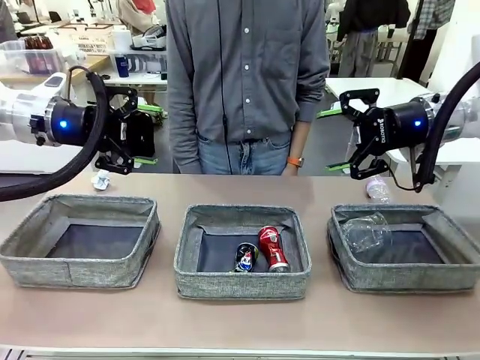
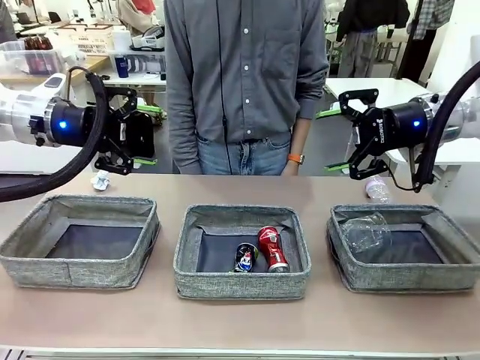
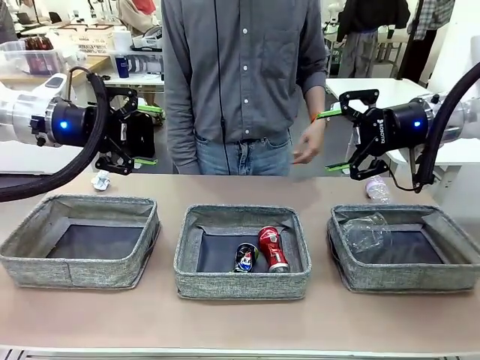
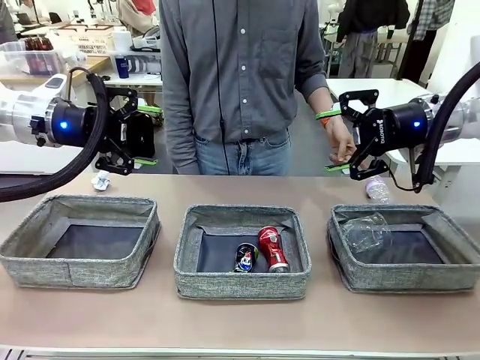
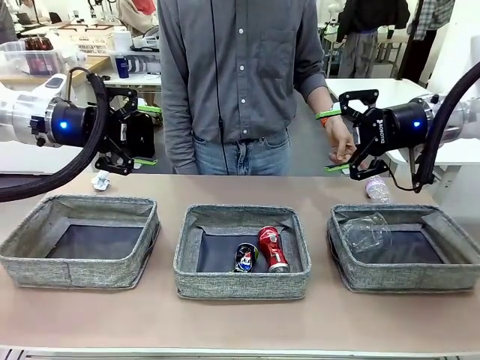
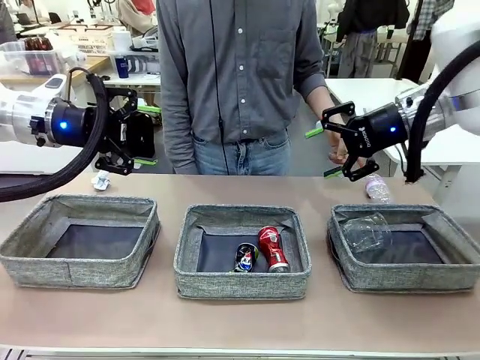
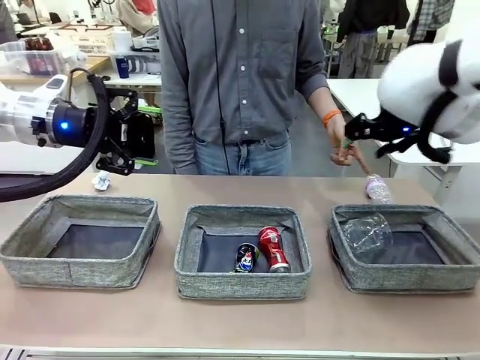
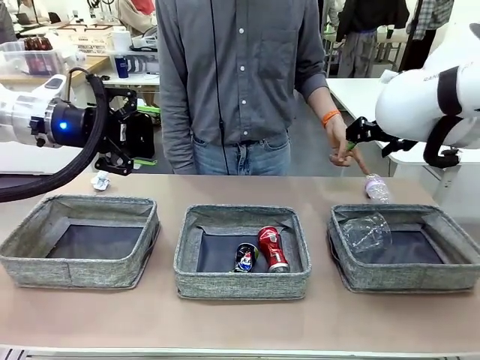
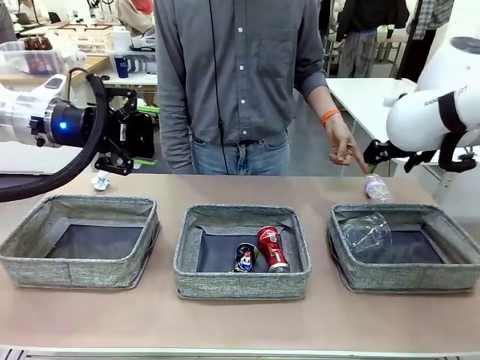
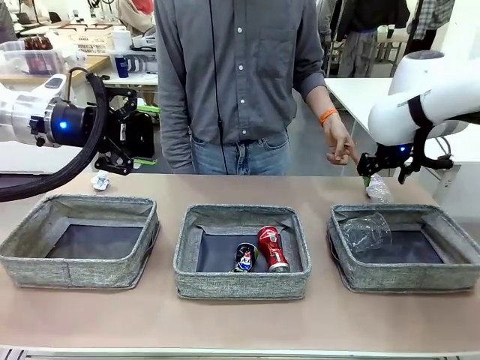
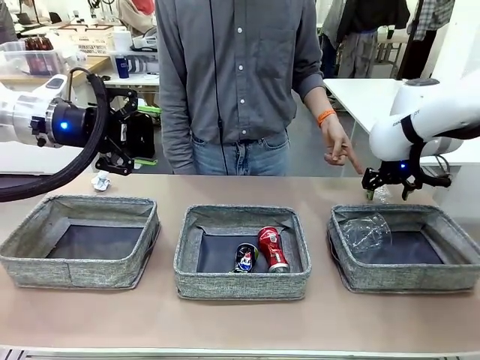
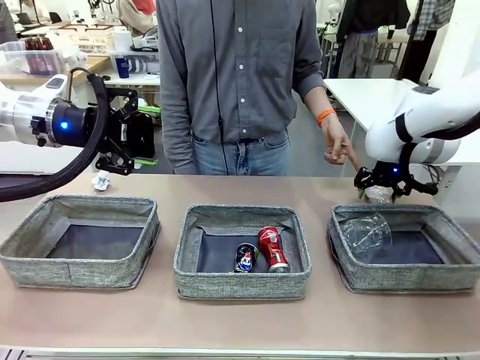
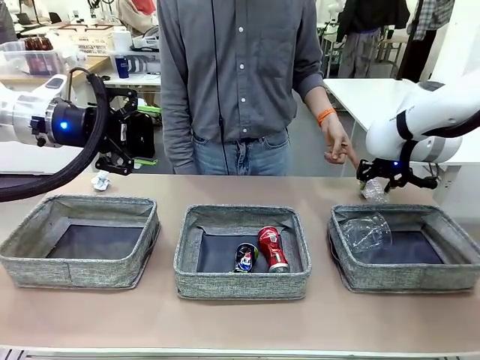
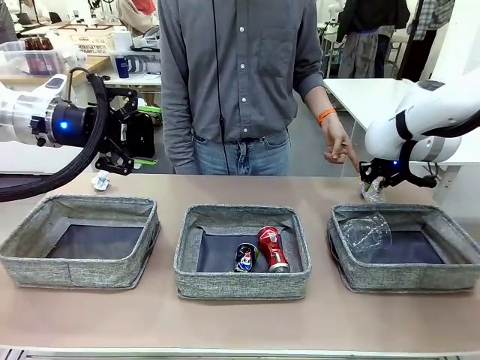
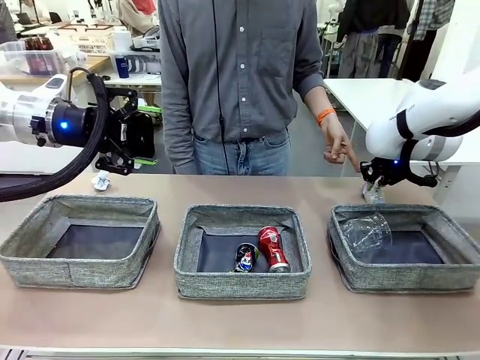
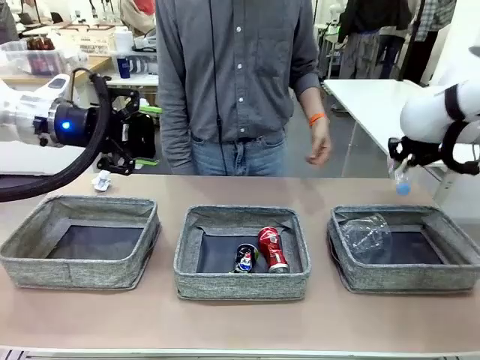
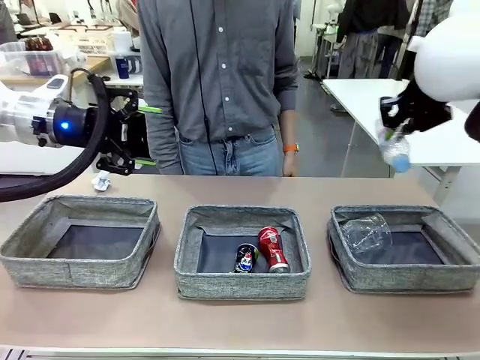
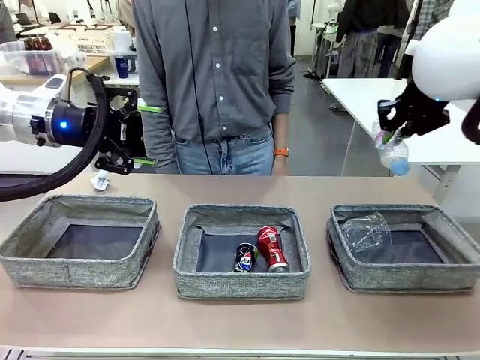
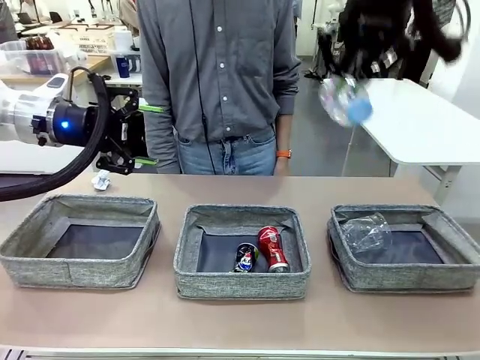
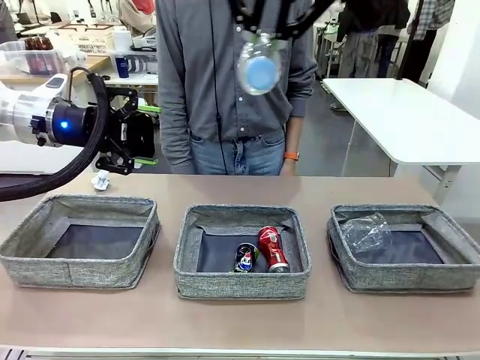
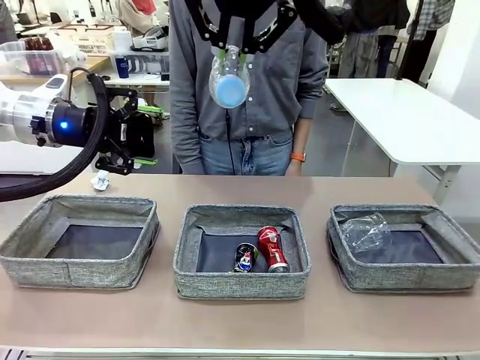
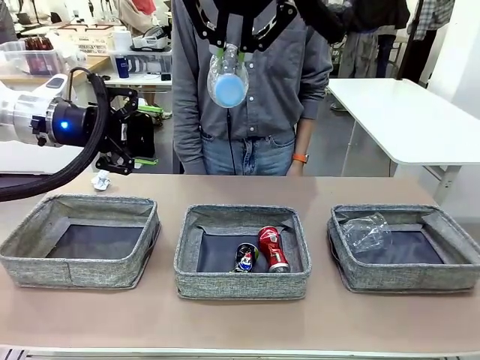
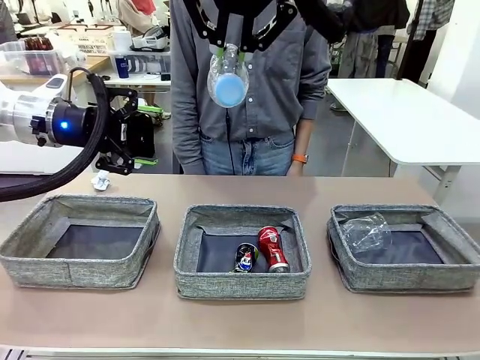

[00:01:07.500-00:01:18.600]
Task: Sort the waste into the appropriate baskets.
Robot: Pick up the waste item pointed out by the person.
Person: Points to one piece of trash on the table.

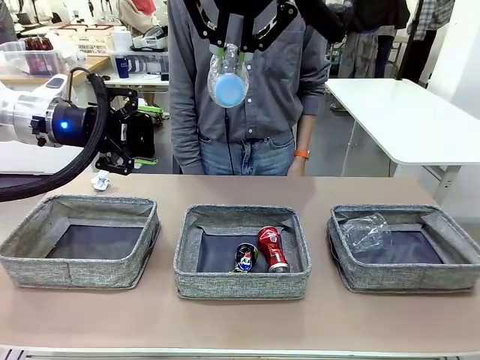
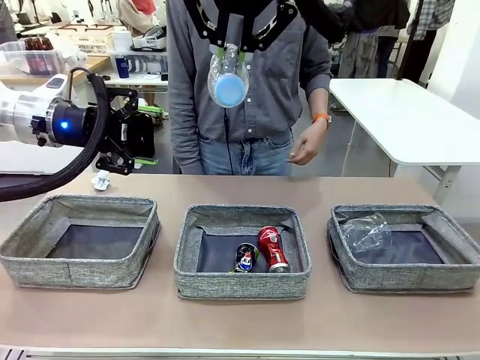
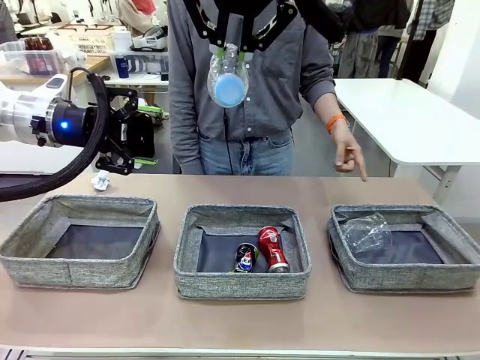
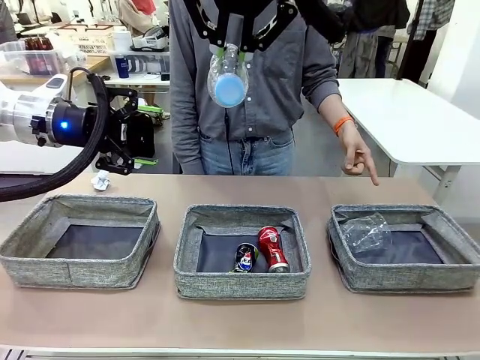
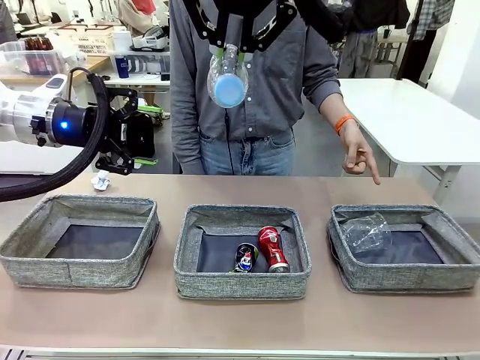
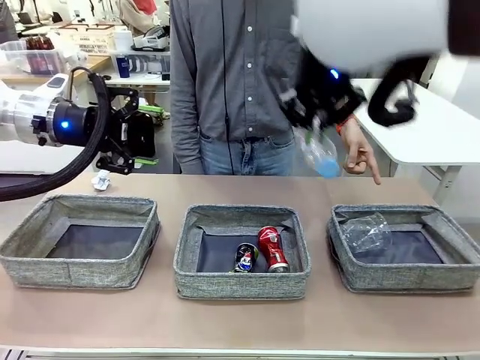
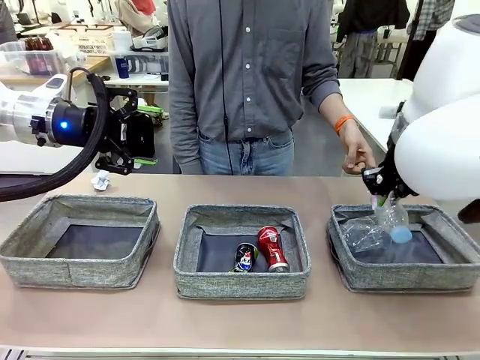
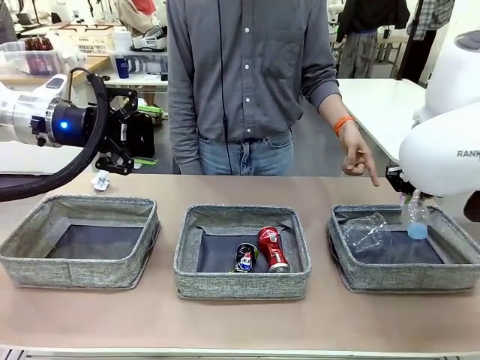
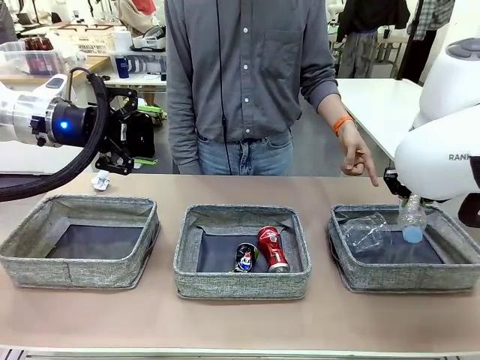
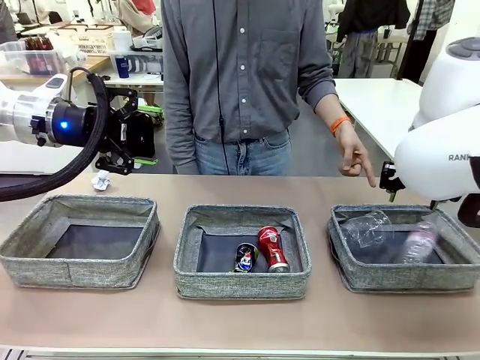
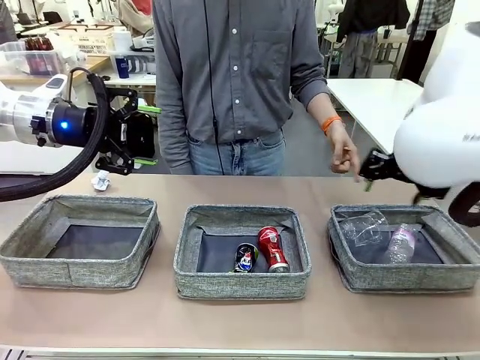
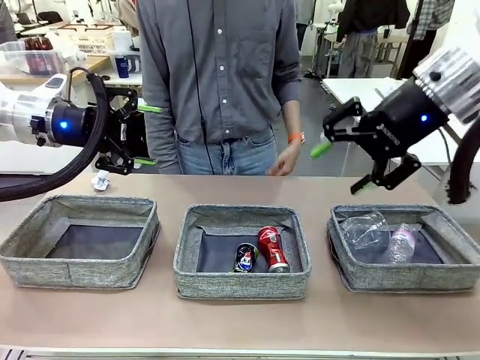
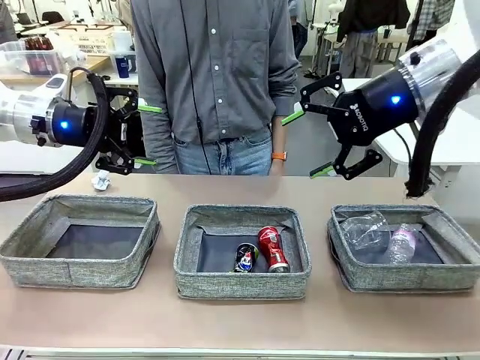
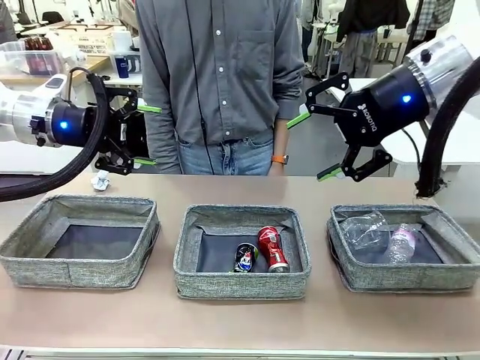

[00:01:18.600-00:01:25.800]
Robot: Place the picked waste into the Fabric basket indicated by the person.
Person: Instructs the robot to place the picked-up trash into the appropriate organizing basket.

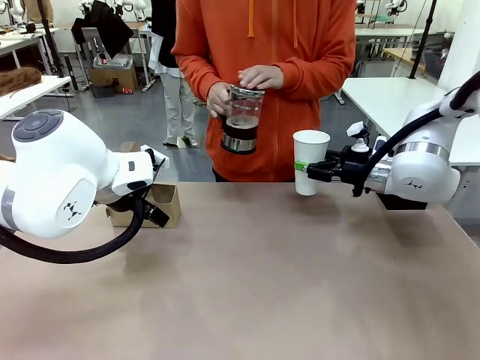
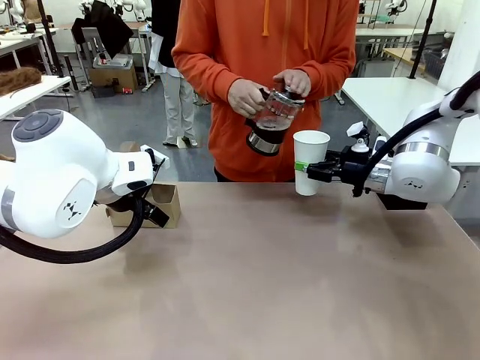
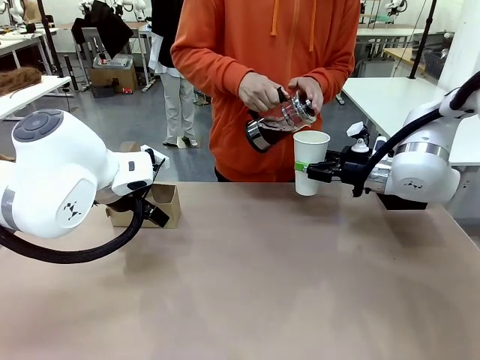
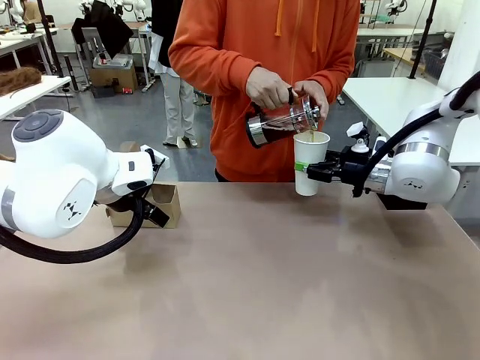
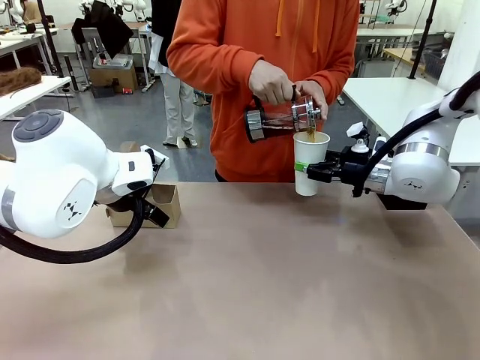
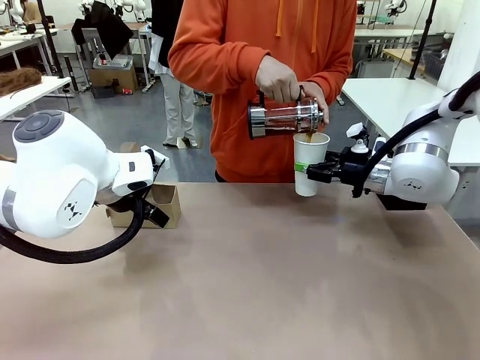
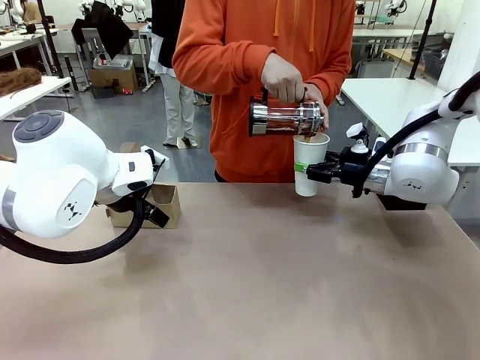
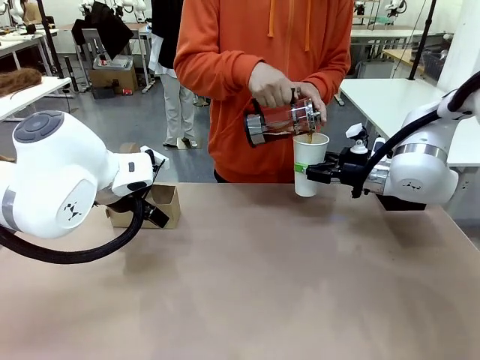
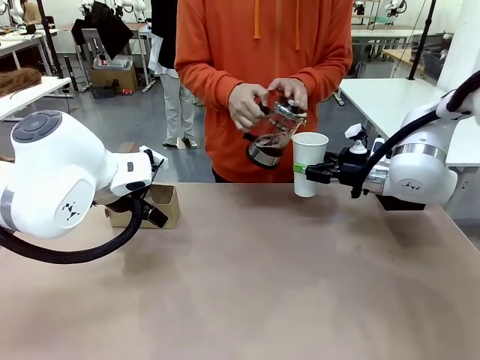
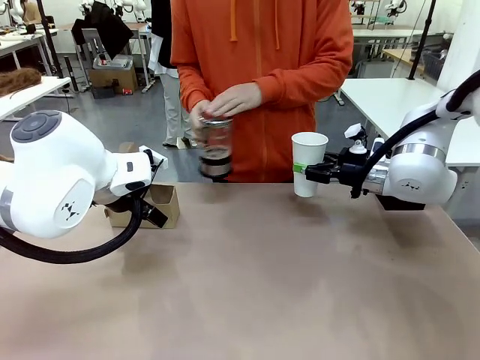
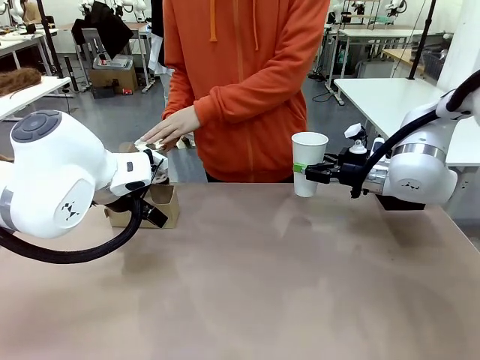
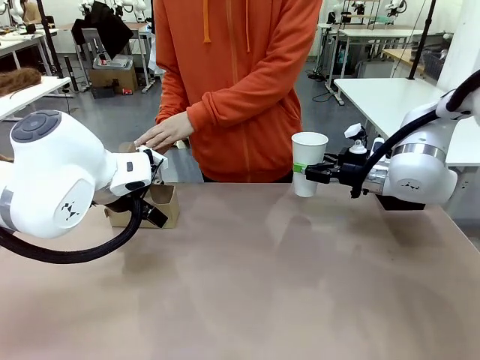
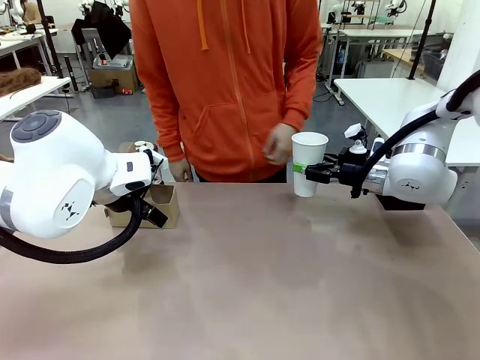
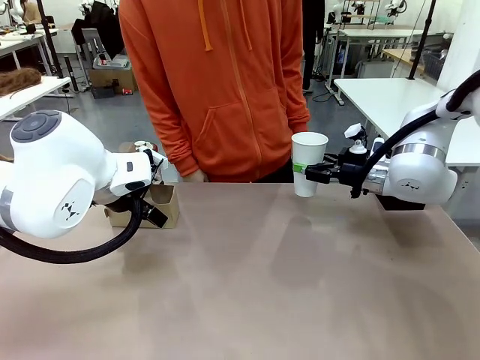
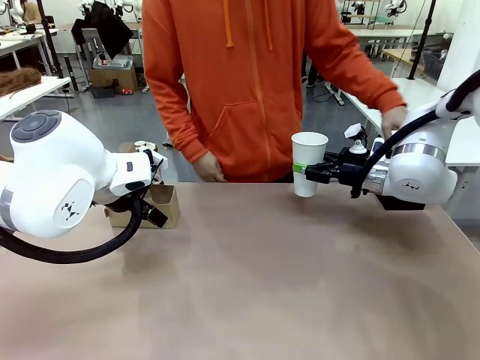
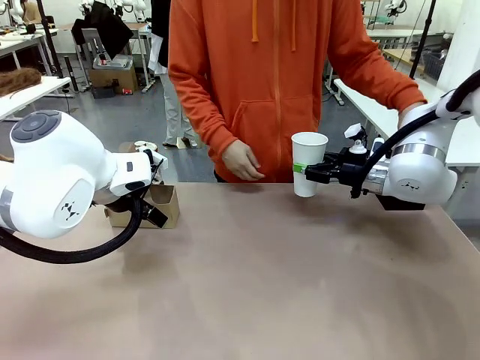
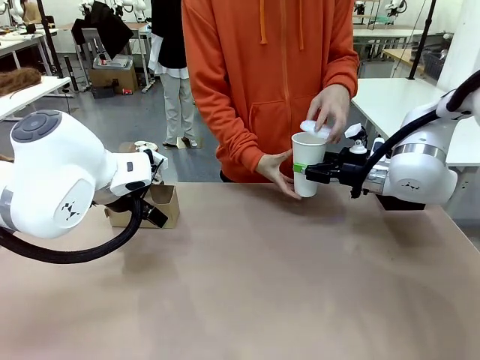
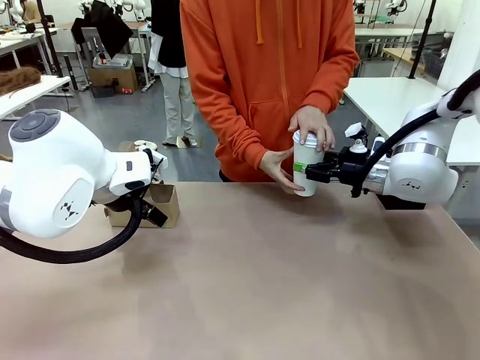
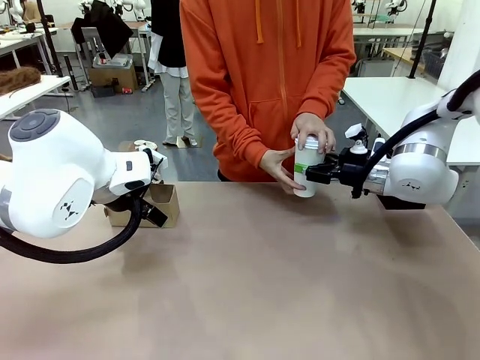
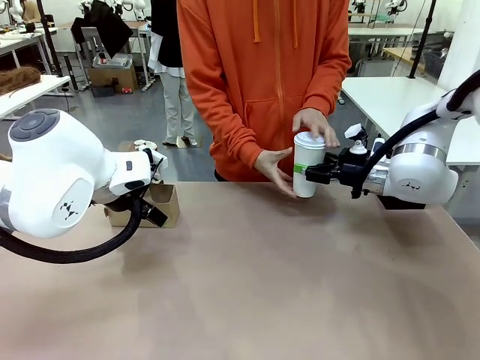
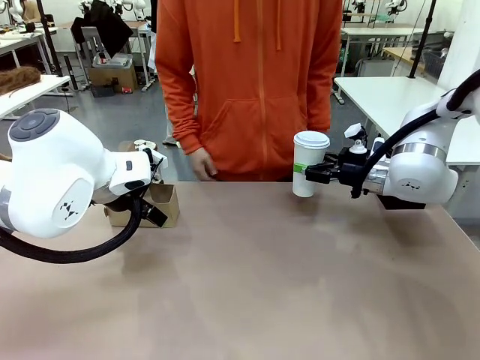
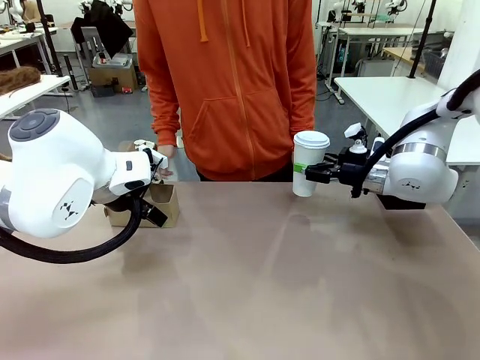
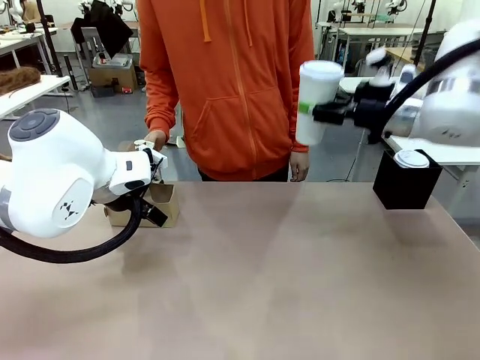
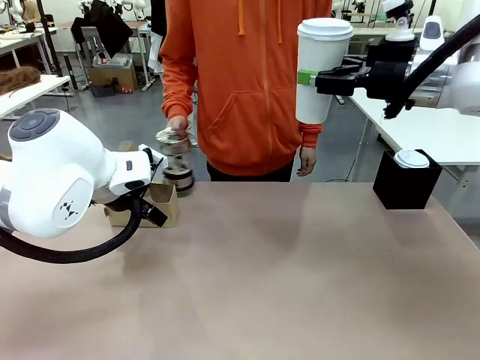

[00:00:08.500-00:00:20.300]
Task: Pour a drink into a cup and package it in a carrier.
Robot: When a person places the Paper Cup Lid on the 600 ml Paper Cup , lift the 600 ml Paper Cup.
Person: Pour the drink from the Filter Brewing into the 600 ml Paper Cup. Place a Paper Cup Lid on the 600 ml Paper Cup.
